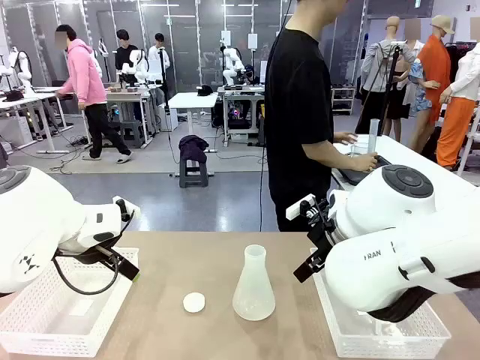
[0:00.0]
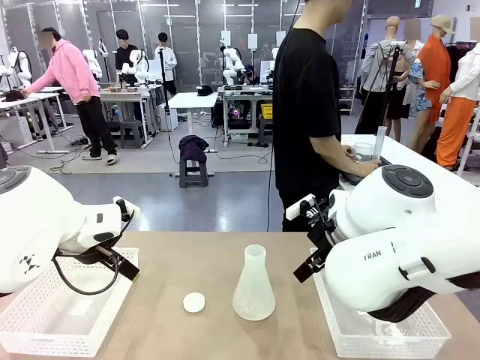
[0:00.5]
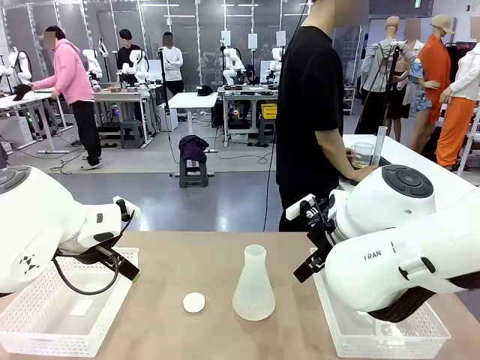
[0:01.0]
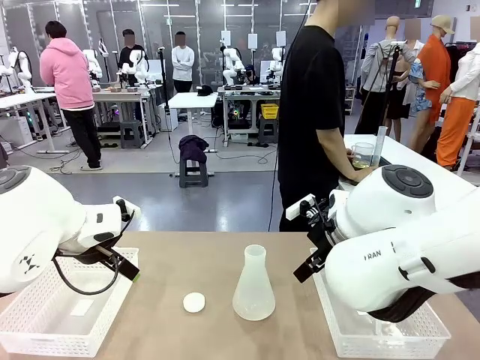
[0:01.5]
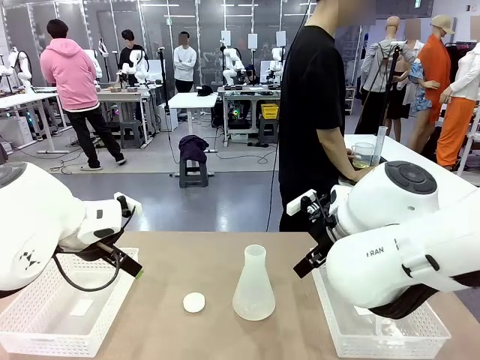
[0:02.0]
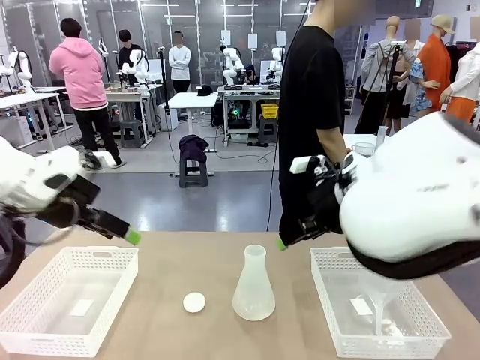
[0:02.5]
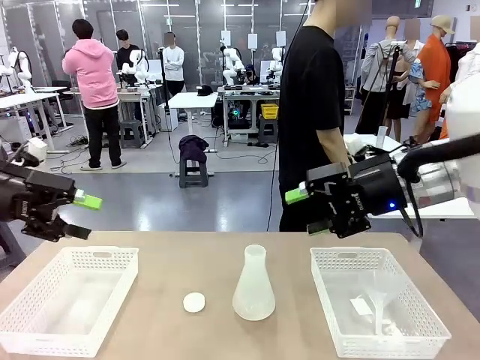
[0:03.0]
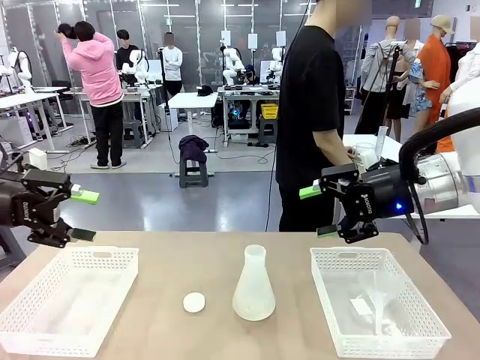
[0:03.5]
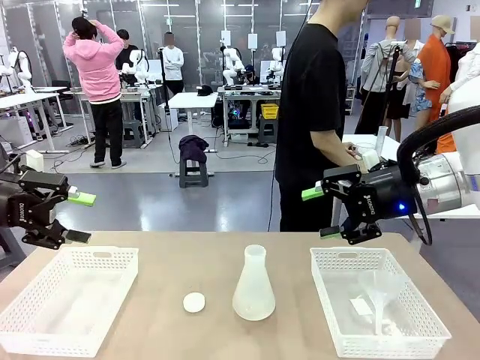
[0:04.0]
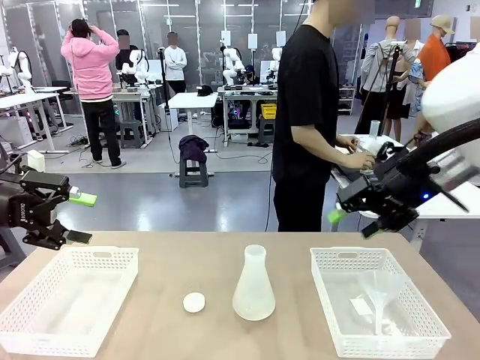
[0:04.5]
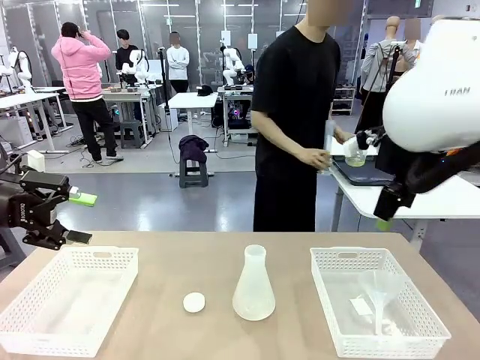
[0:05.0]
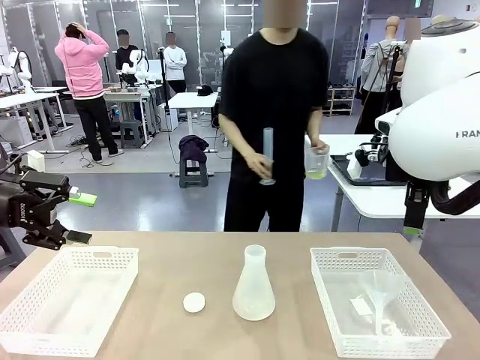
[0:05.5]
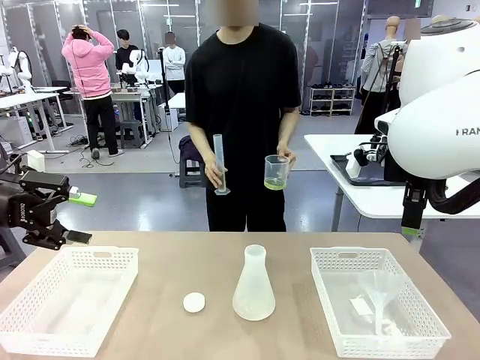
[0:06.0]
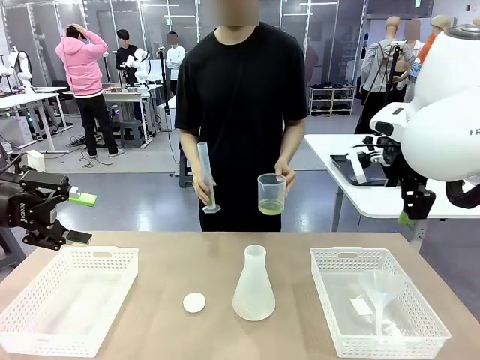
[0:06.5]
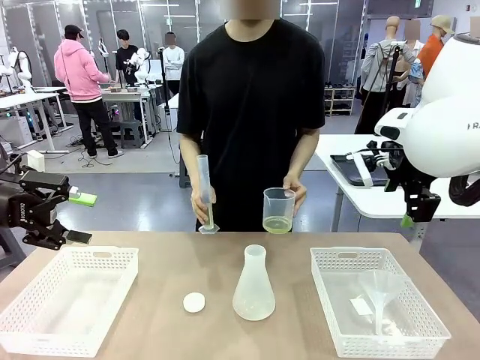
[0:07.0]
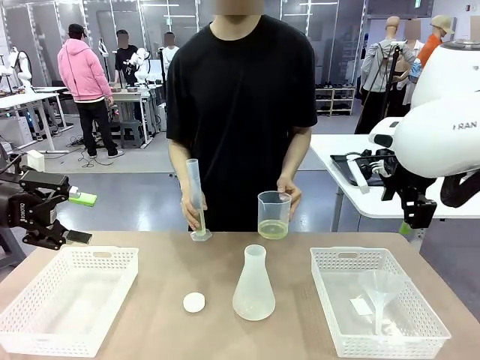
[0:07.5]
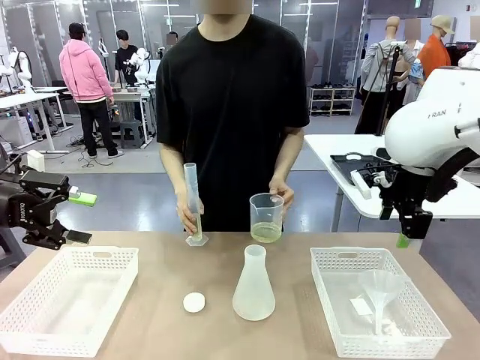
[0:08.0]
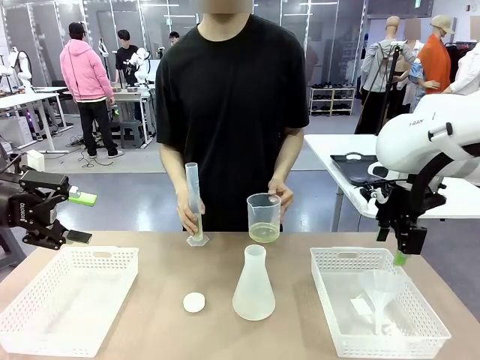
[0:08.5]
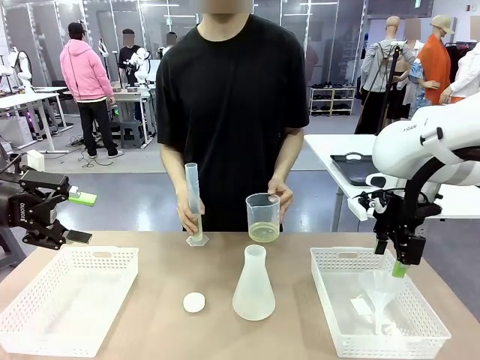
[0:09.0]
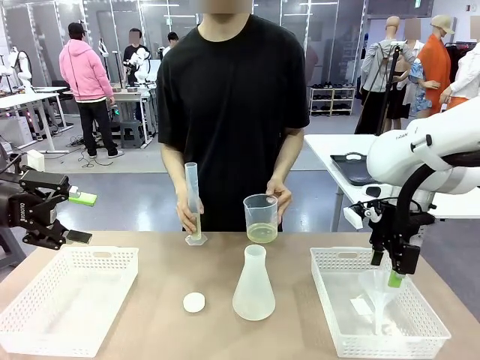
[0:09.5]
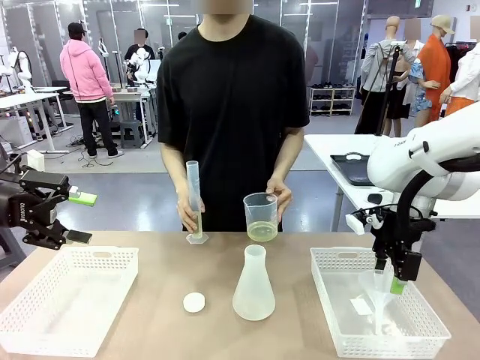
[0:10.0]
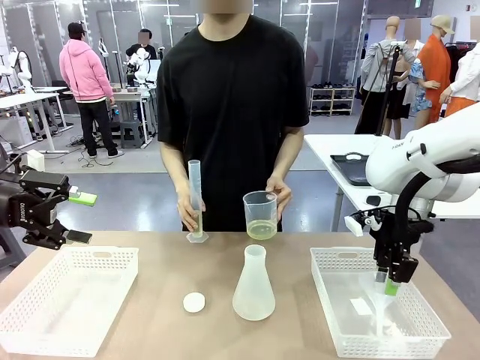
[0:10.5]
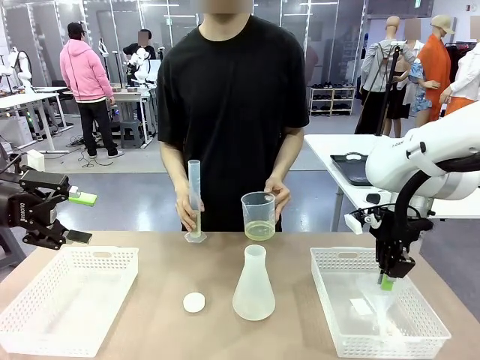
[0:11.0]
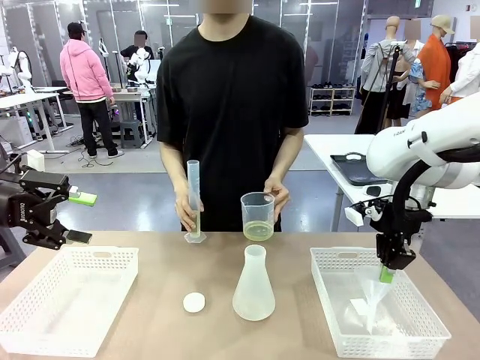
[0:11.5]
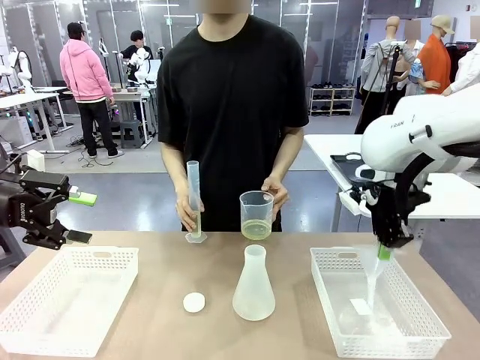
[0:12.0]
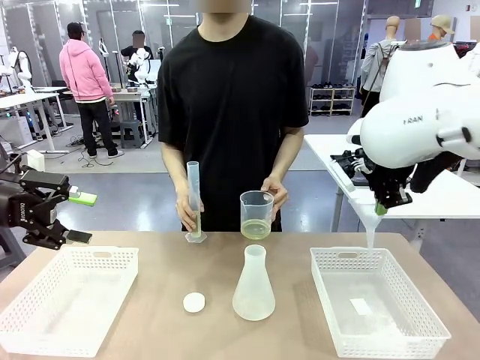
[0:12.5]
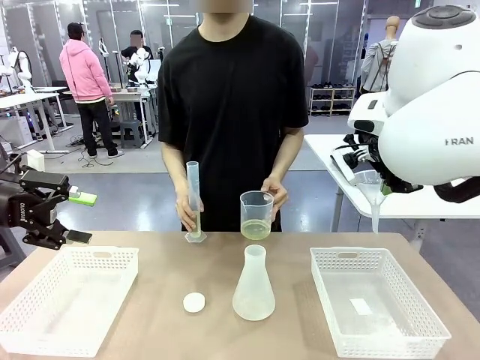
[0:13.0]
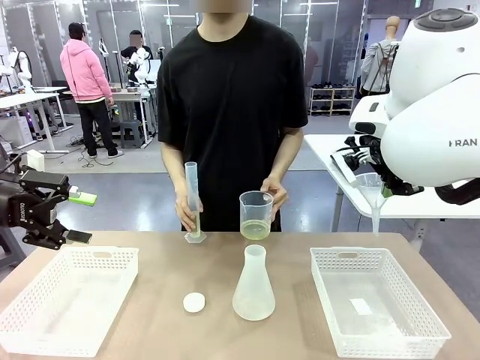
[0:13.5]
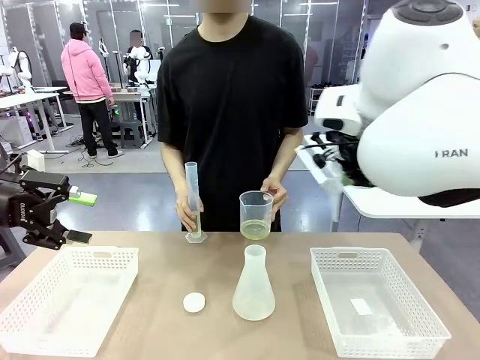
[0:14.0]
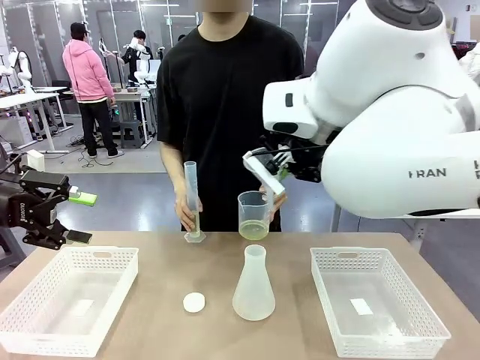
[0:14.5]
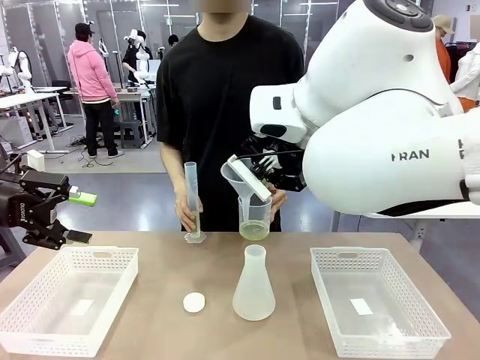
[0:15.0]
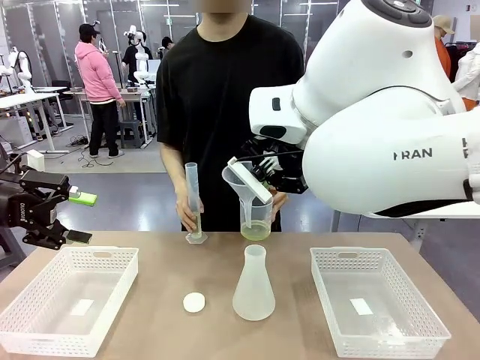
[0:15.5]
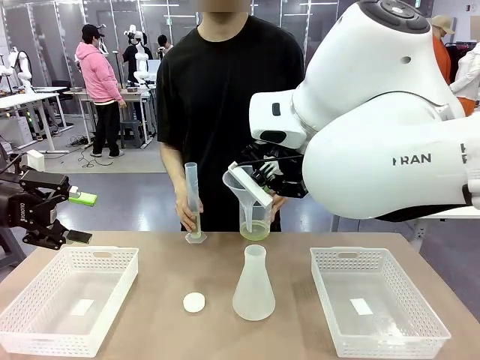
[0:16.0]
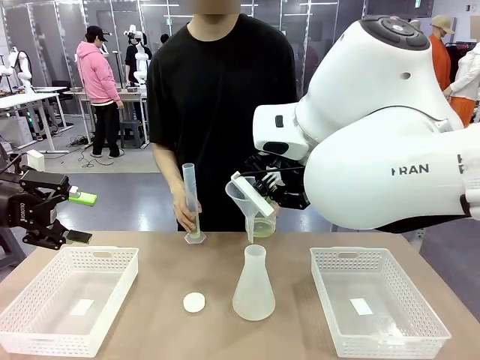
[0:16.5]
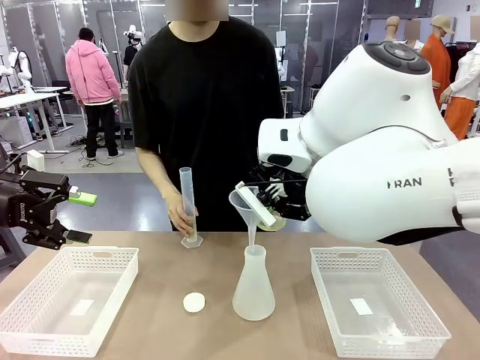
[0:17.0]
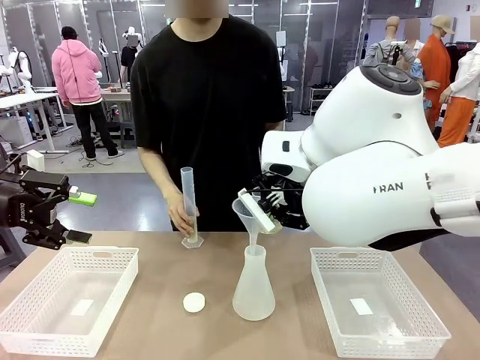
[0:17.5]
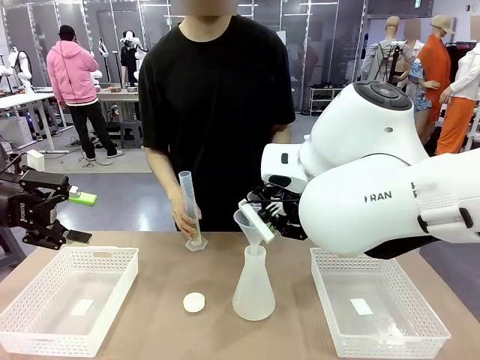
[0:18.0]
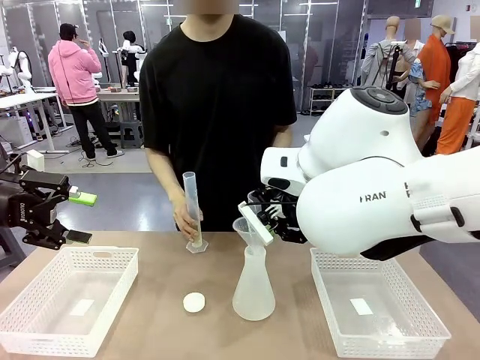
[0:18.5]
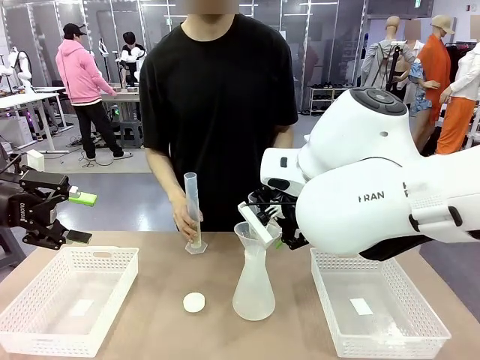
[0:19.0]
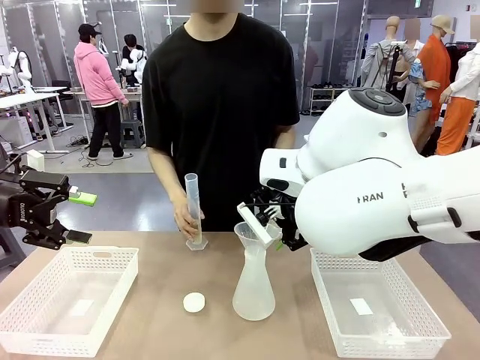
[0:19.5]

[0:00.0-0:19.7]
Task: Prepare the solutions needed for the experiment.
Robot: Pick up the Plastic Funnel and insert it into the Big flask.
Person: Pick up the beaker and the cylinder and move to the middle of the robot table.
